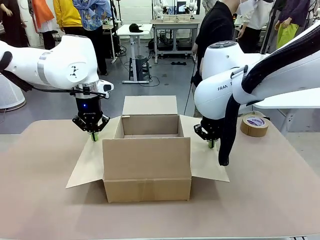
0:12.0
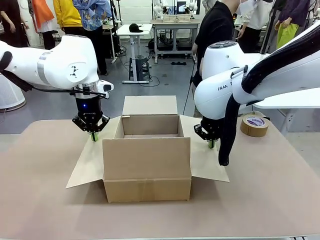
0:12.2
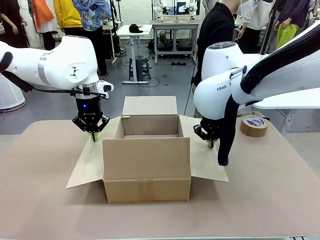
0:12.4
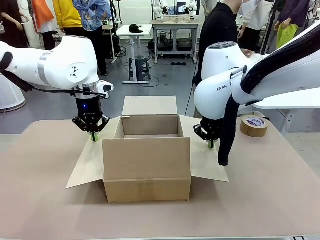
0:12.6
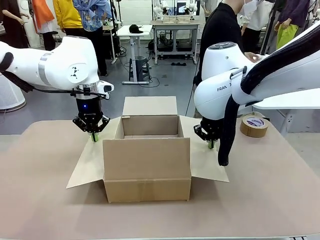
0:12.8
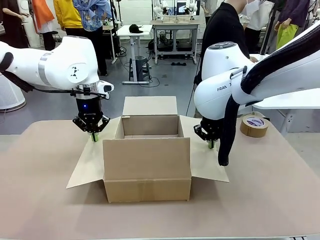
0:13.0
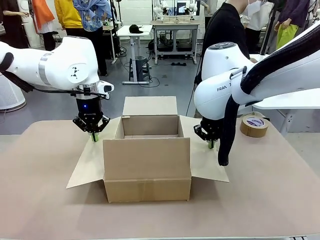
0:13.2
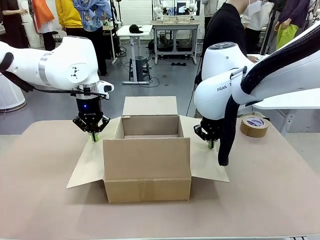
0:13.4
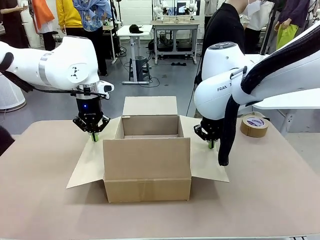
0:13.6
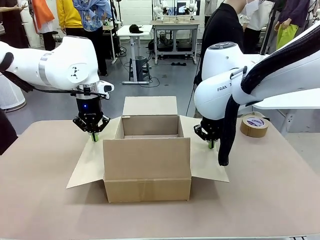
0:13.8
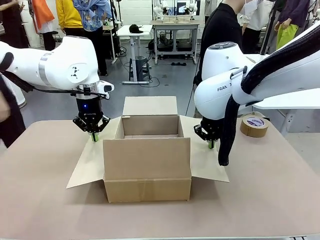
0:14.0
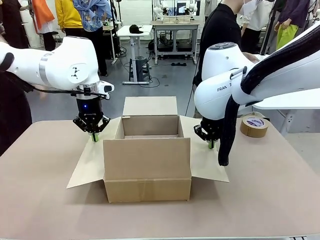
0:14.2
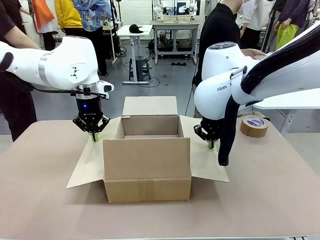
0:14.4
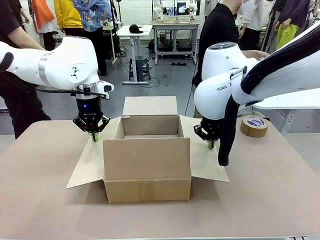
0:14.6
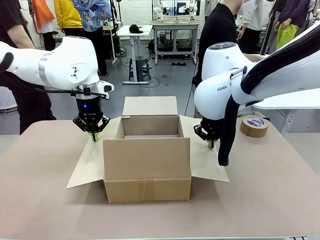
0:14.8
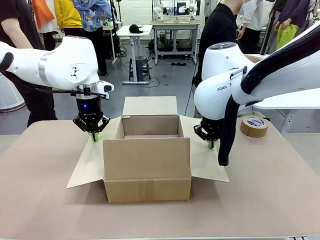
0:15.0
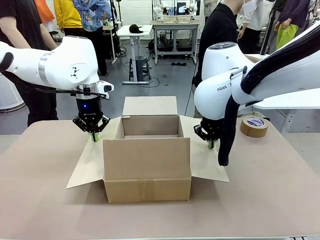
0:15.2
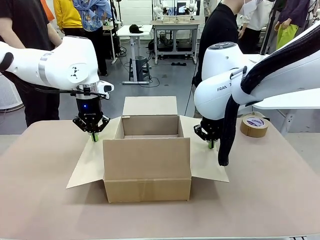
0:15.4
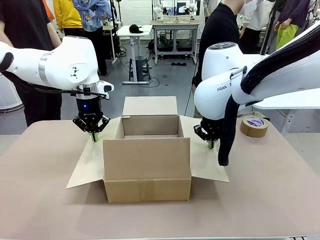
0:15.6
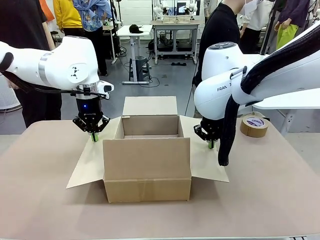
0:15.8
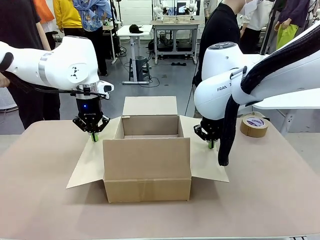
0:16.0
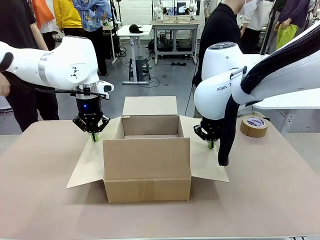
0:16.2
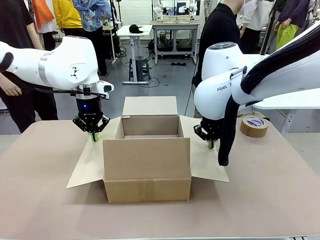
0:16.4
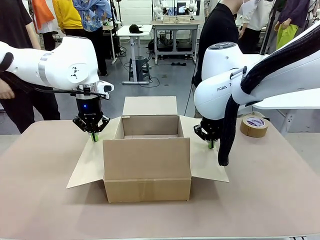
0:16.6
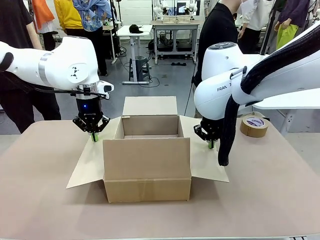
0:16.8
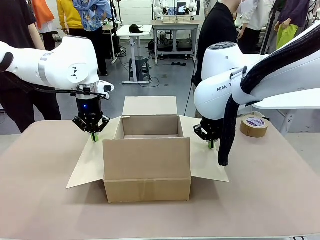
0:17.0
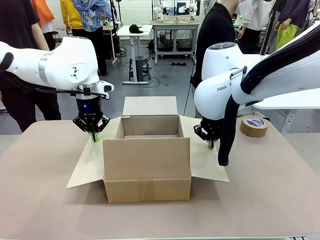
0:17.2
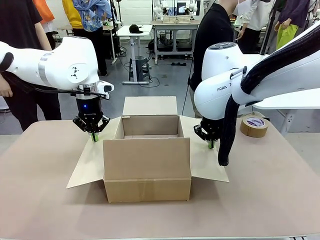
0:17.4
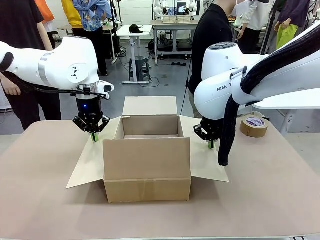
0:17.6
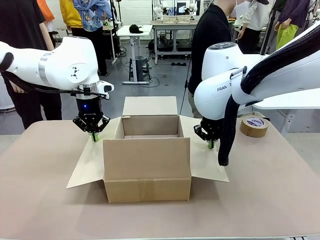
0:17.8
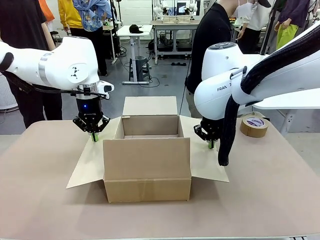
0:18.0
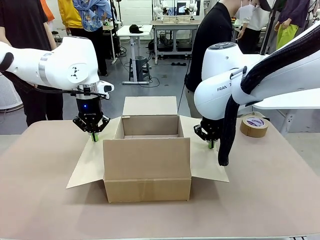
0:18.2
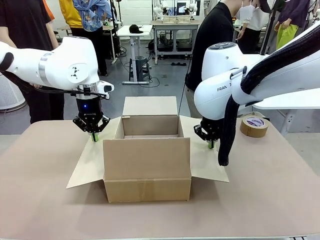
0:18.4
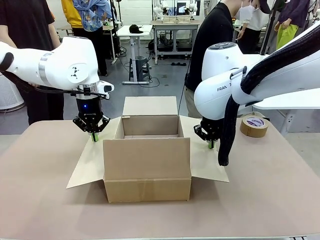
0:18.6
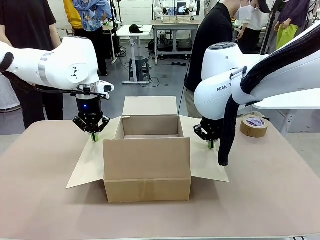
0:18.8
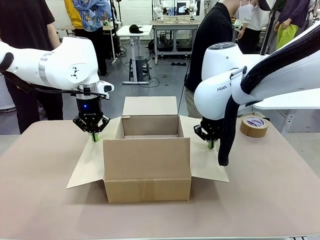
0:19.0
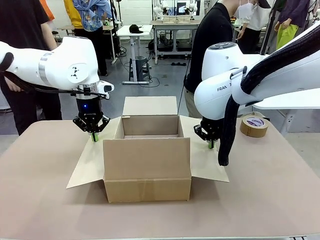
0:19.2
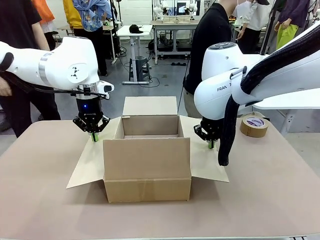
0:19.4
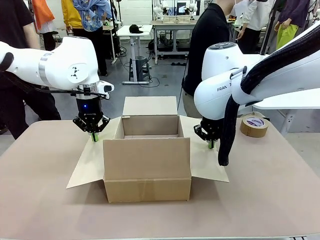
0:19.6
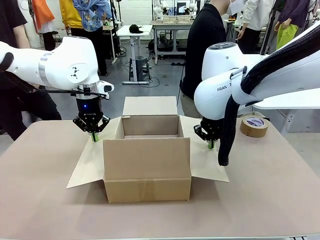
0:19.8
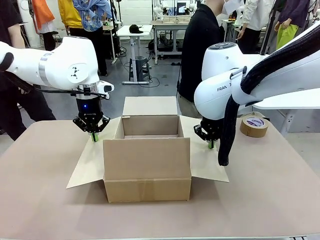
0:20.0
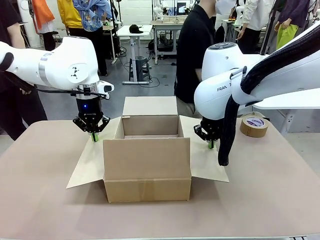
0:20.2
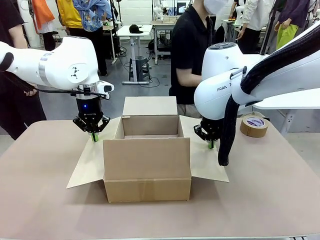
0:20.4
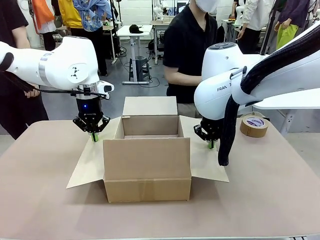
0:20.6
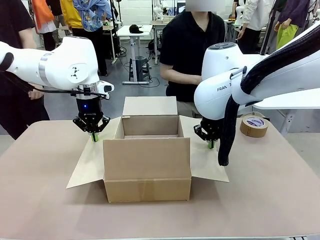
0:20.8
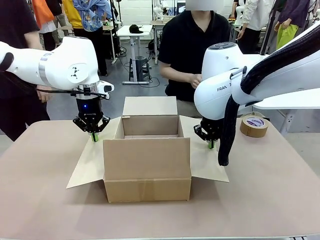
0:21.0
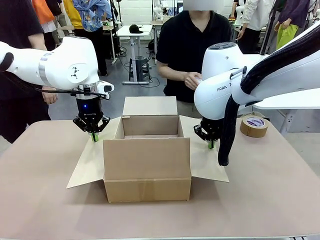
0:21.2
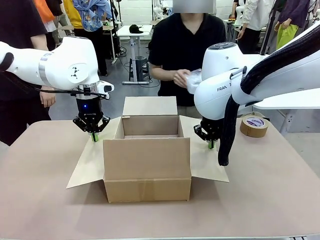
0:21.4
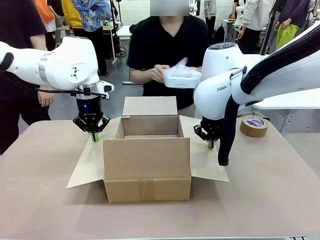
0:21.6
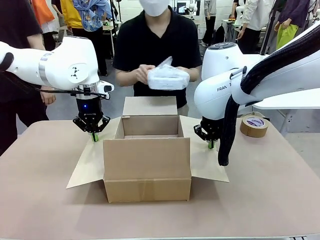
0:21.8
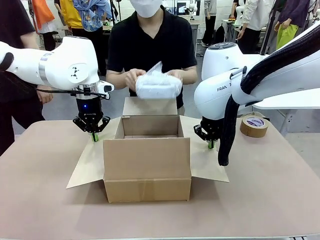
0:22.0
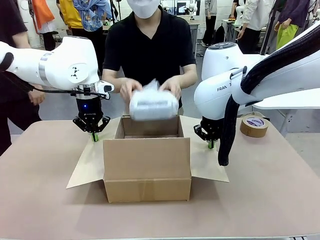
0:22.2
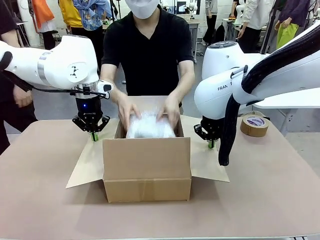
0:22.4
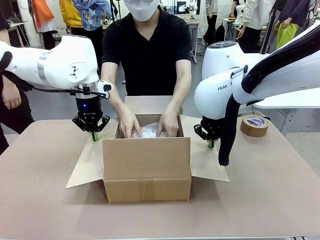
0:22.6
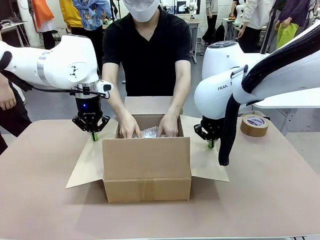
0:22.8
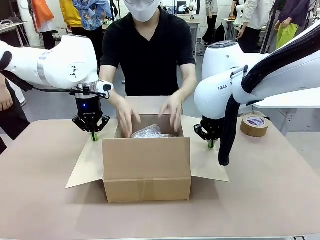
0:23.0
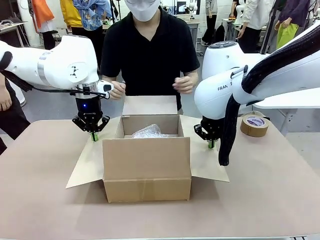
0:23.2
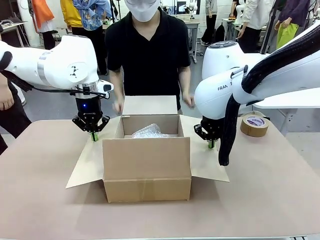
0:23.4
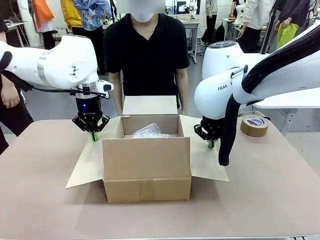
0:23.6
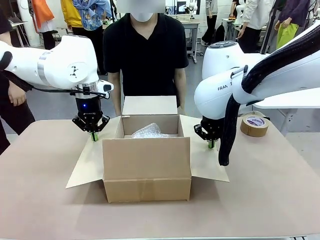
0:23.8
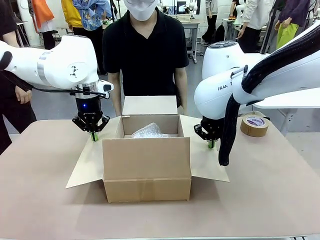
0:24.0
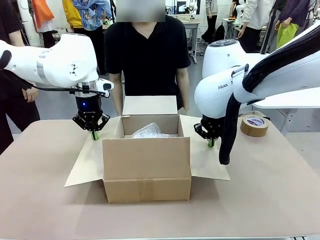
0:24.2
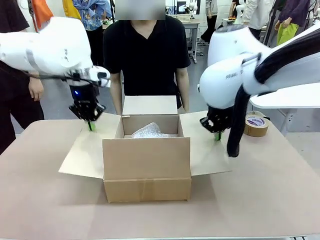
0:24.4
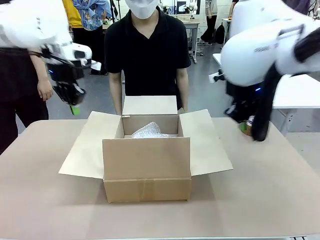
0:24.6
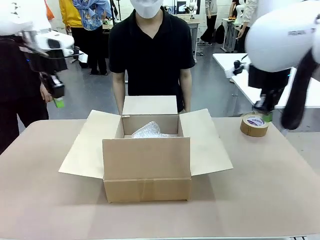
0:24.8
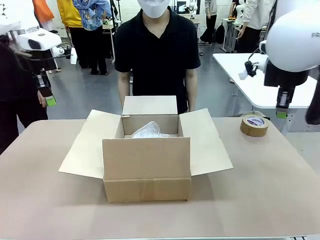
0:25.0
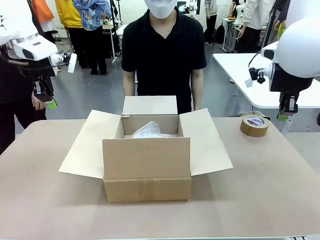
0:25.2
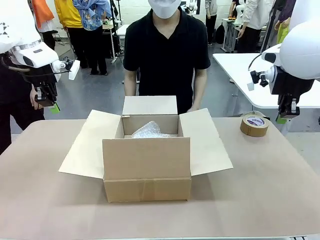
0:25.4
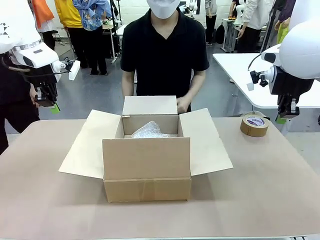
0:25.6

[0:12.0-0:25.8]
Task: Wrap the clocks to prevent damage.
Robot: Once the human has placed the objects inside and stepped back, release both hands from the side flaps of the Package Box.
Person: Place the wrapped Digital clocks inside the Package Box.

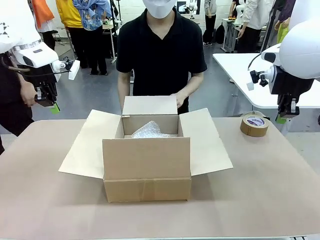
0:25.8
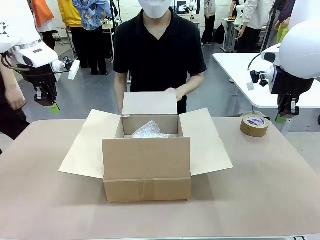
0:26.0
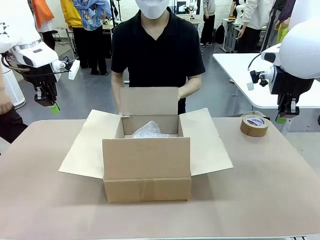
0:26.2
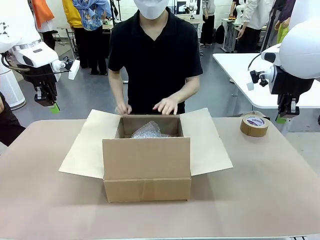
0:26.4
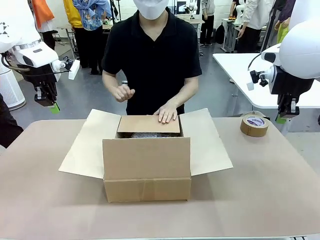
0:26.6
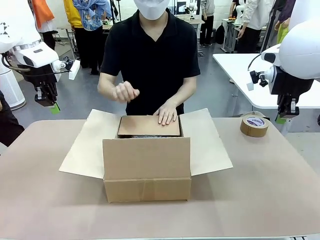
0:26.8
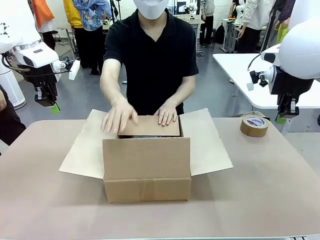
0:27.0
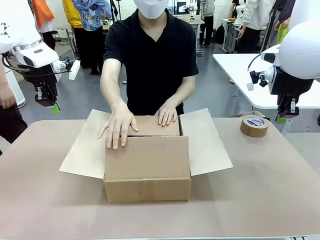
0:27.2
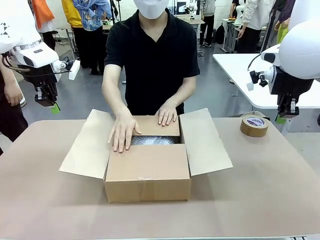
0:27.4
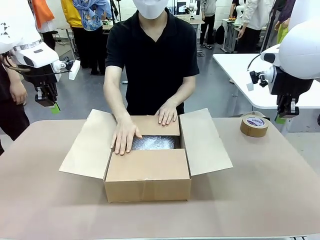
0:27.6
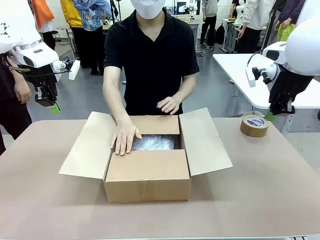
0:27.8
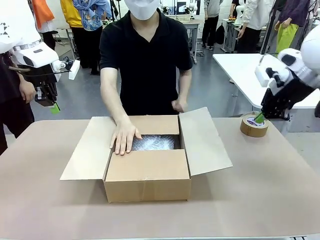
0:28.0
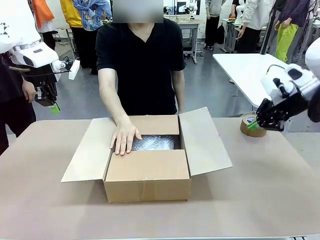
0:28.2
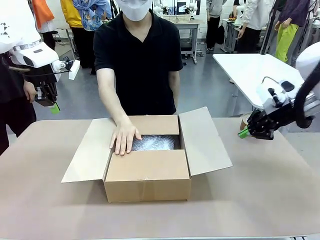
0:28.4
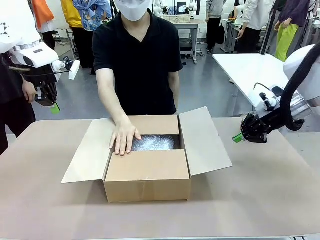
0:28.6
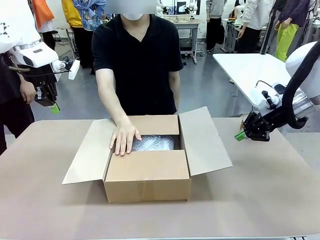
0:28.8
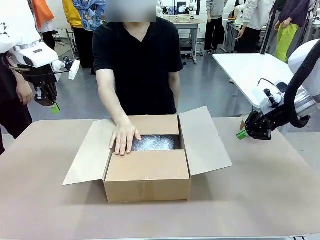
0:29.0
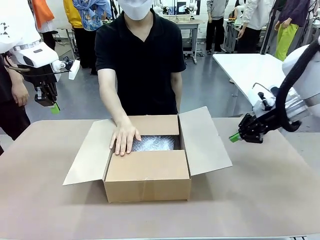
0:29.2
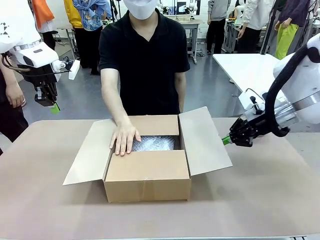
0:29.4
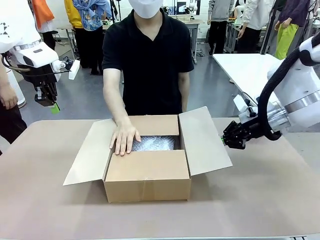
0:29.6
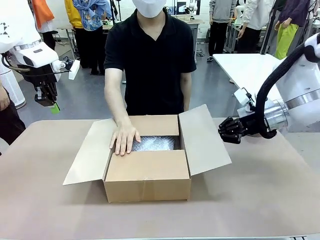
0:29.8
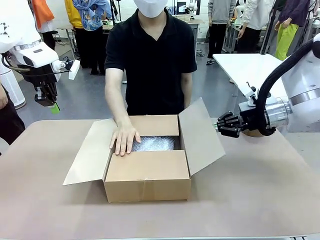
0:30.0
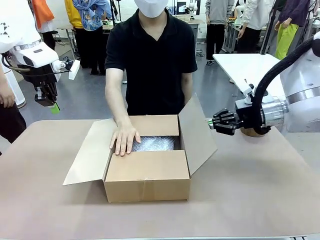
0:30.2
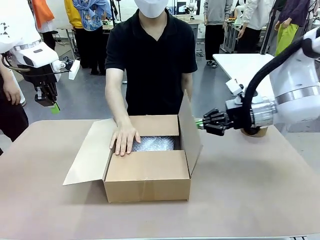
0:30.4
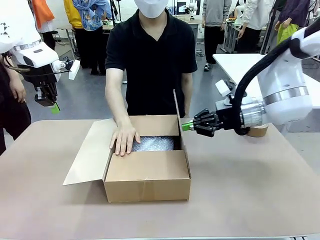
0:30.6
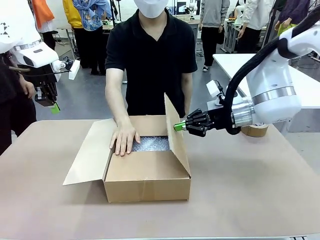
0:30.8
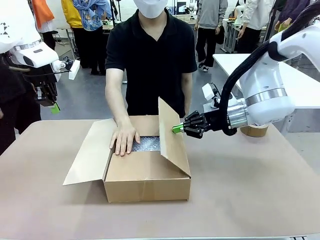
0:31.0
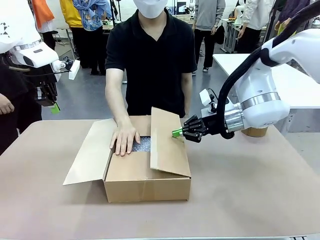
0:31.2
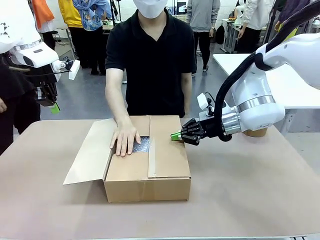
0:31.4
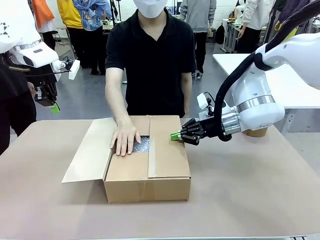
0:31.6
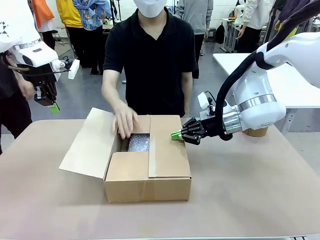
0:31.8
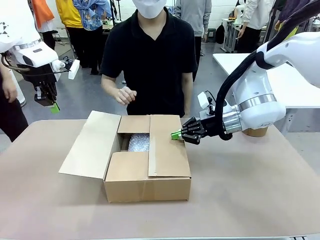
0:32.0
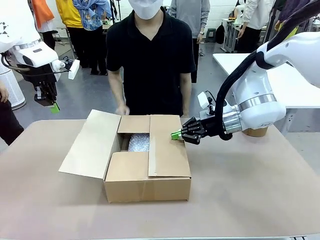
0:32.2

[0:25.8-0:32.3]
Robot: Push the right (or left) flap of the Package Box to close it.
Person: Hold the top and bottom flaps of the Package Box closed with your left (or right) hand. Once the robot closes the right flap of the Package Box , release your left hand from the box.

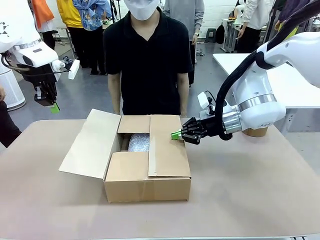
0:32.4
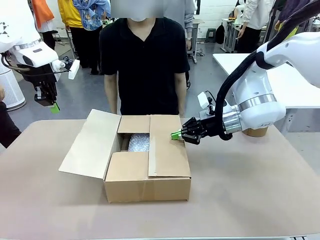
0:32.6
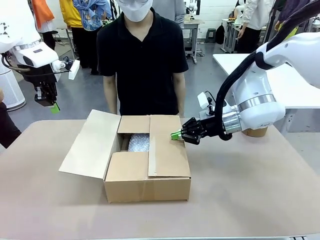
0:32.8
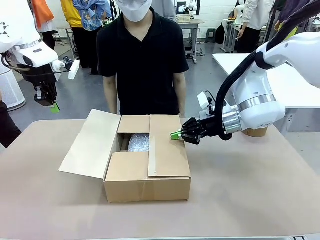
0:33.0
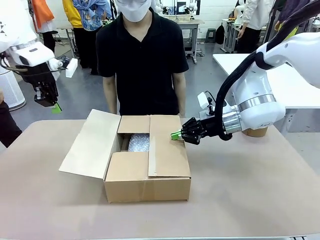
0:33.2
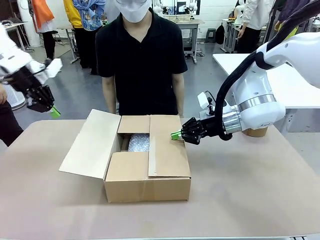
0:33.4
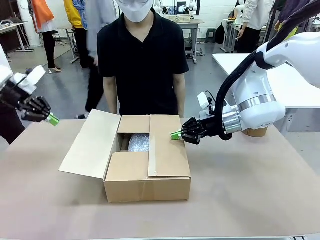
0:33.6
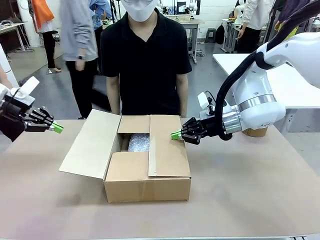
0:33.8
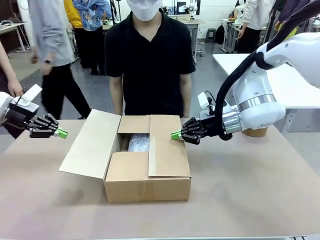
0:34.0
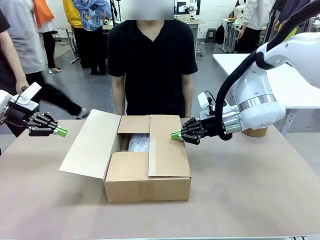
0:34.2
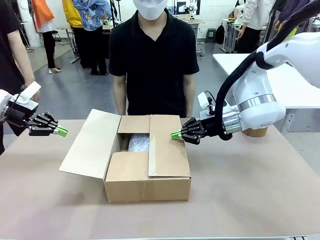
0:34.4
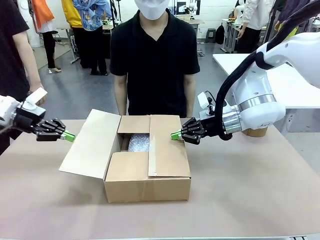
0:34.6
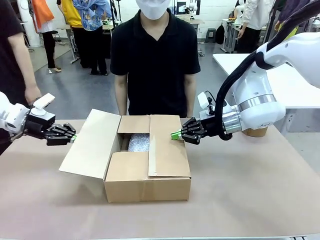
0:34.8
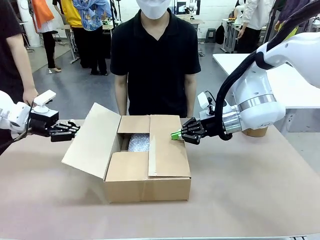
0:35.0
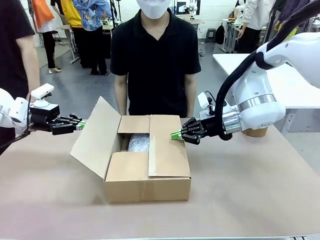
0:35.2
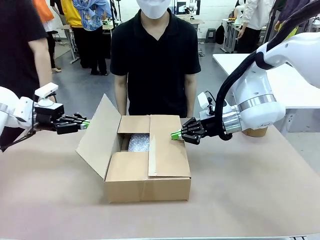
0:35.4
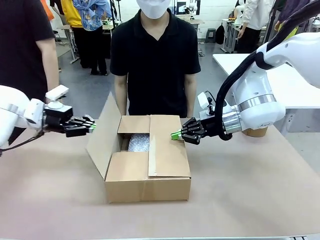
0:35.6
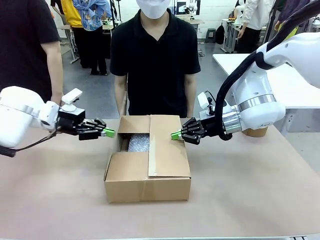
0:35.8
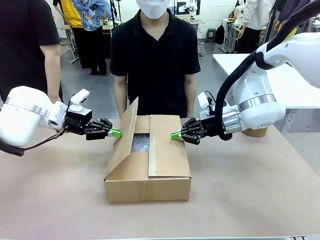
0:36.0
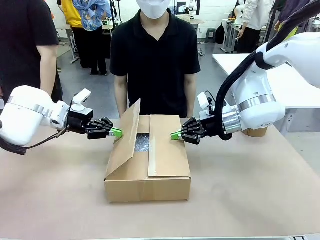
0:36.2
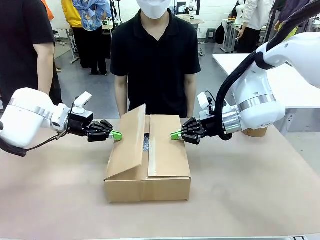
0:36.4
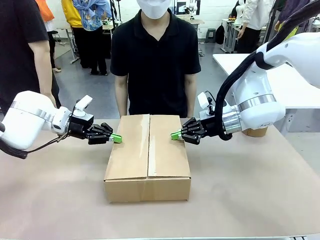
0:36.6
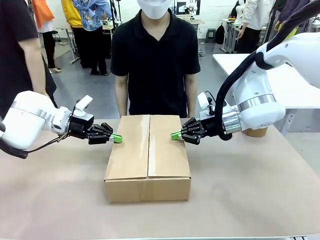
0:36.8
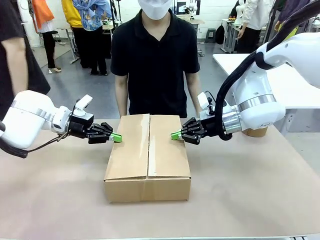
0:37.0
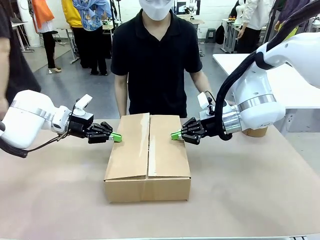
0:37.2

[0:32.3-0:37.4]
Robot: Push the left (or right) flap of the Package Box to close it.
